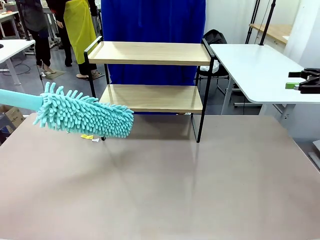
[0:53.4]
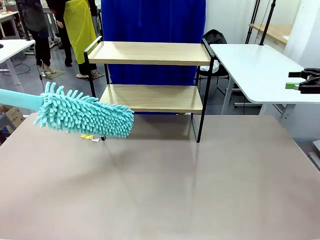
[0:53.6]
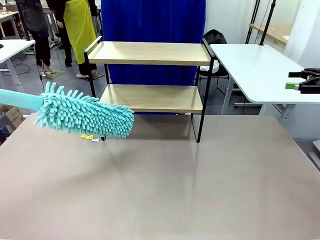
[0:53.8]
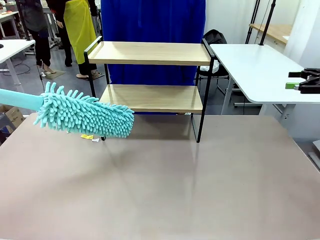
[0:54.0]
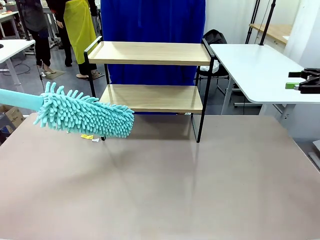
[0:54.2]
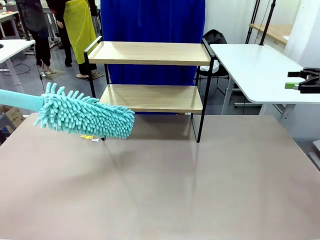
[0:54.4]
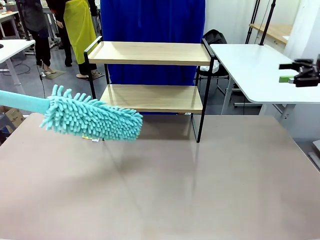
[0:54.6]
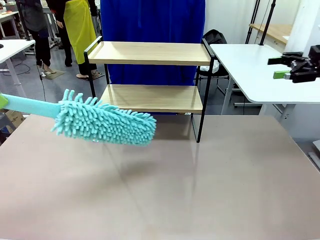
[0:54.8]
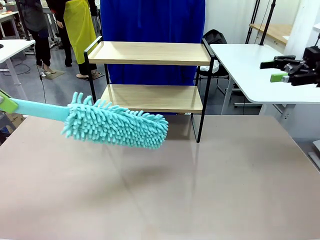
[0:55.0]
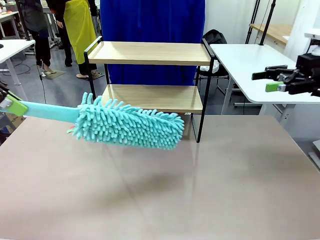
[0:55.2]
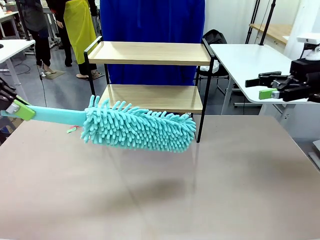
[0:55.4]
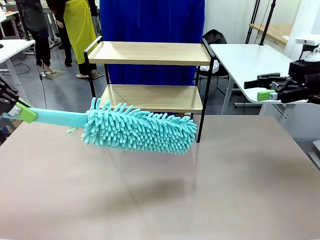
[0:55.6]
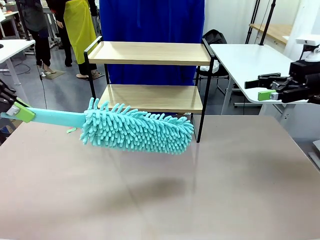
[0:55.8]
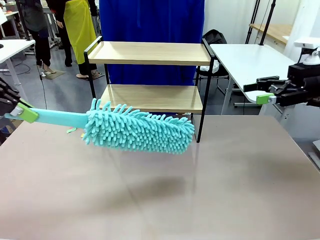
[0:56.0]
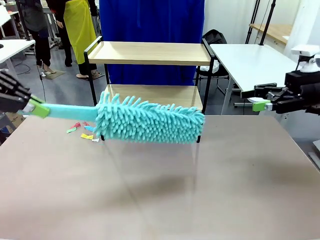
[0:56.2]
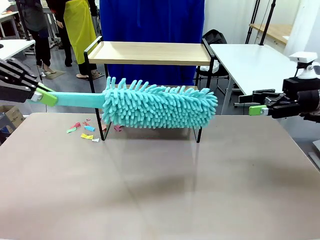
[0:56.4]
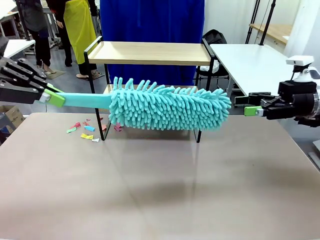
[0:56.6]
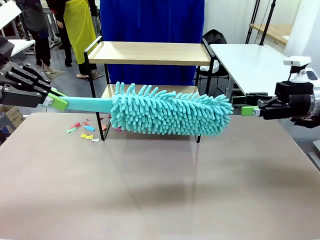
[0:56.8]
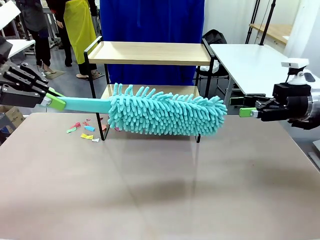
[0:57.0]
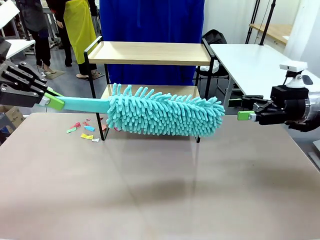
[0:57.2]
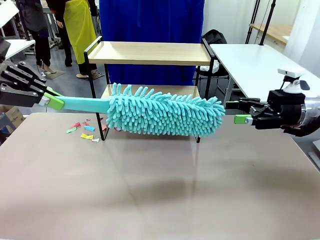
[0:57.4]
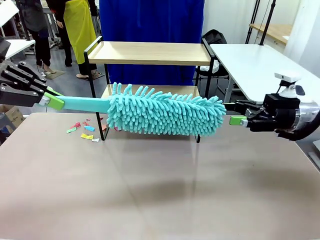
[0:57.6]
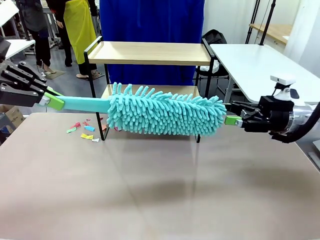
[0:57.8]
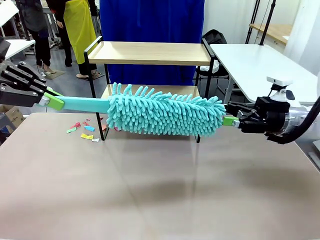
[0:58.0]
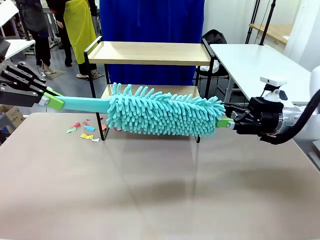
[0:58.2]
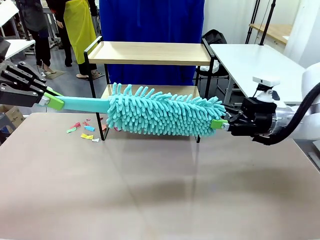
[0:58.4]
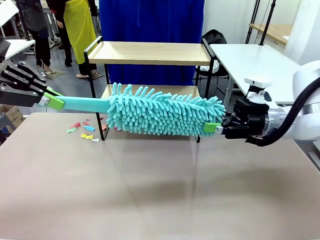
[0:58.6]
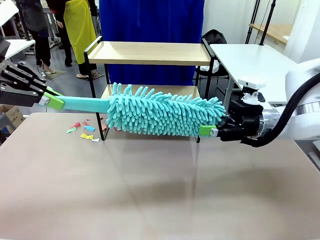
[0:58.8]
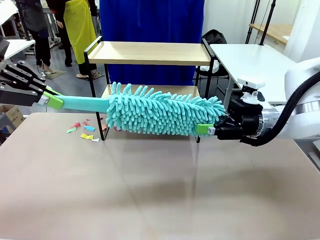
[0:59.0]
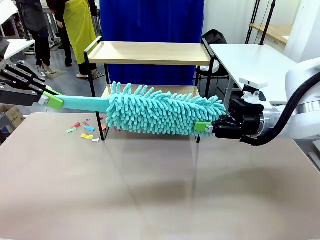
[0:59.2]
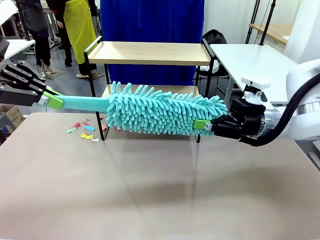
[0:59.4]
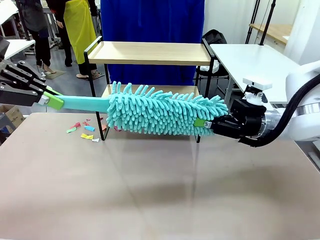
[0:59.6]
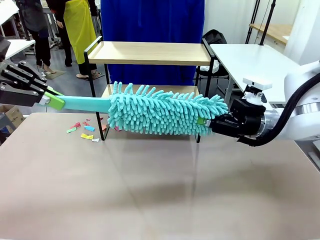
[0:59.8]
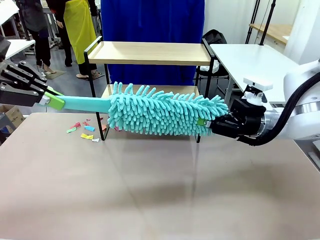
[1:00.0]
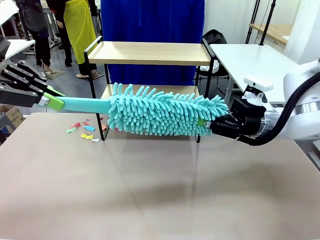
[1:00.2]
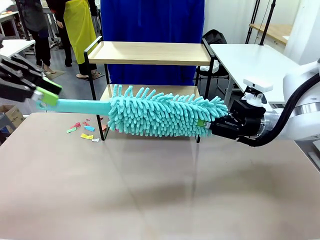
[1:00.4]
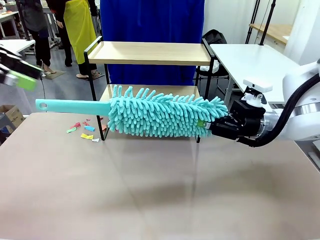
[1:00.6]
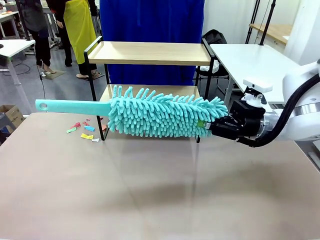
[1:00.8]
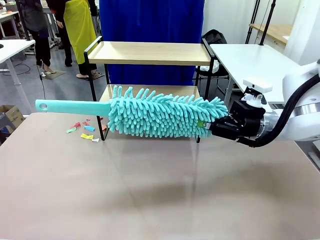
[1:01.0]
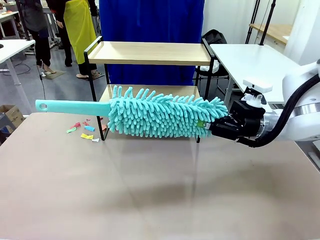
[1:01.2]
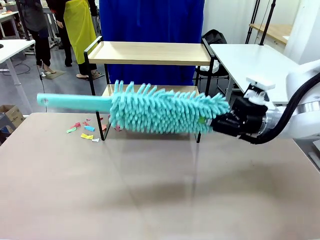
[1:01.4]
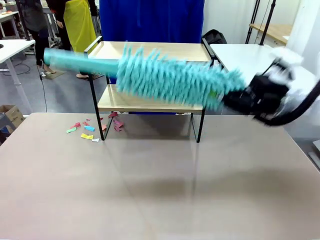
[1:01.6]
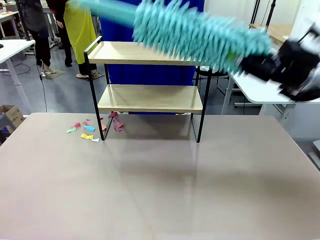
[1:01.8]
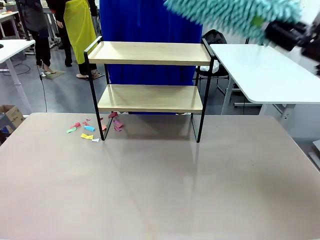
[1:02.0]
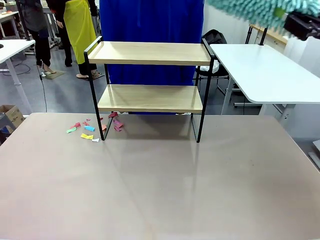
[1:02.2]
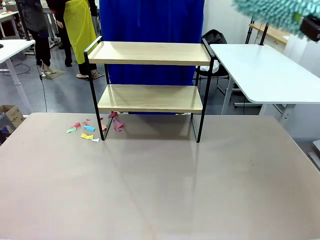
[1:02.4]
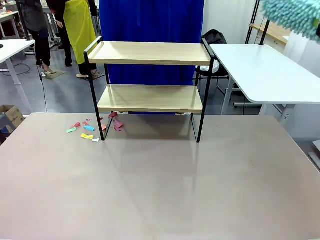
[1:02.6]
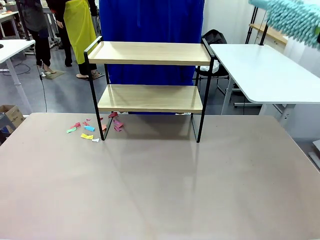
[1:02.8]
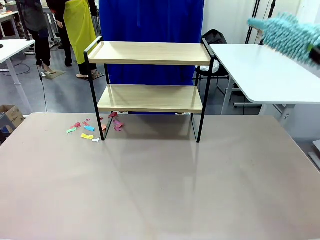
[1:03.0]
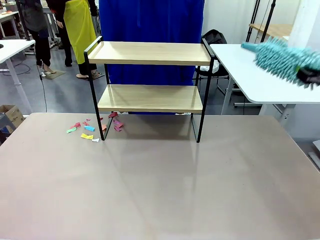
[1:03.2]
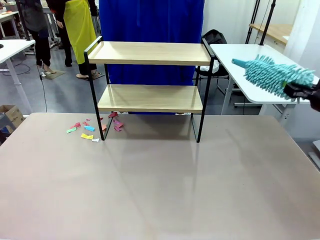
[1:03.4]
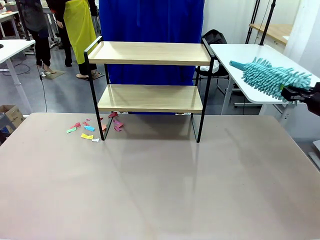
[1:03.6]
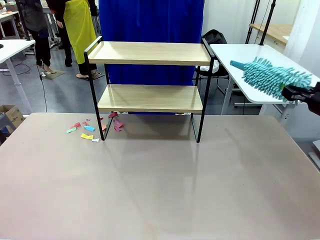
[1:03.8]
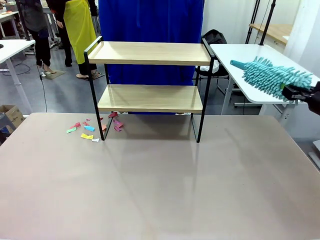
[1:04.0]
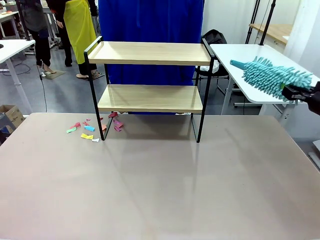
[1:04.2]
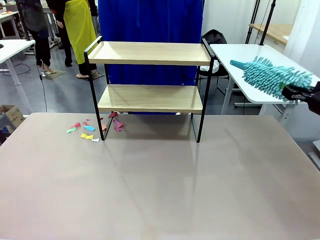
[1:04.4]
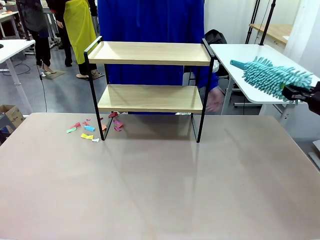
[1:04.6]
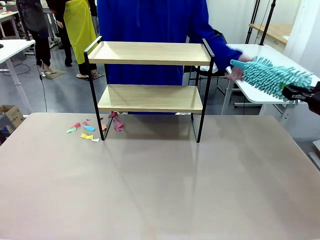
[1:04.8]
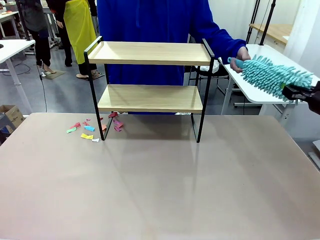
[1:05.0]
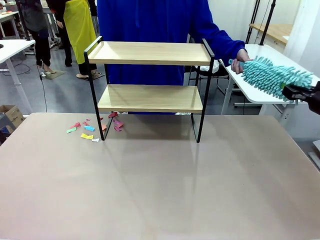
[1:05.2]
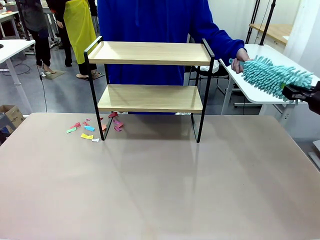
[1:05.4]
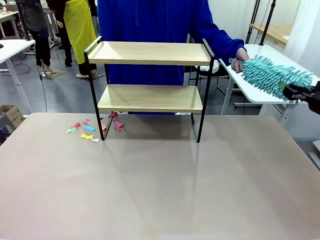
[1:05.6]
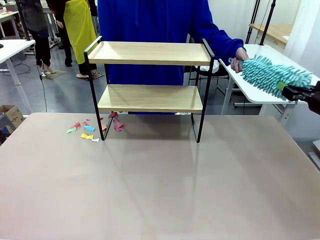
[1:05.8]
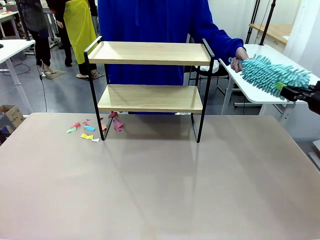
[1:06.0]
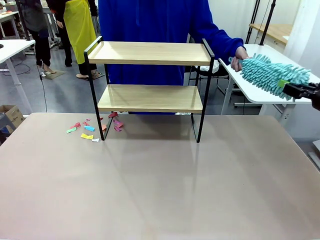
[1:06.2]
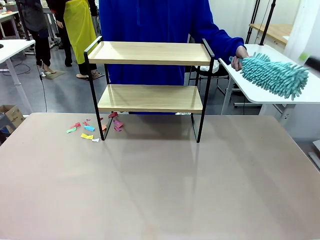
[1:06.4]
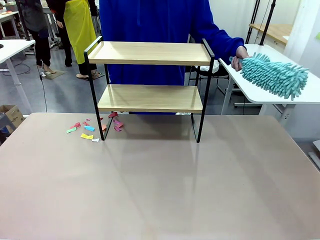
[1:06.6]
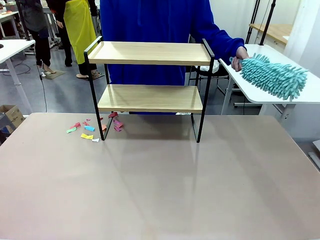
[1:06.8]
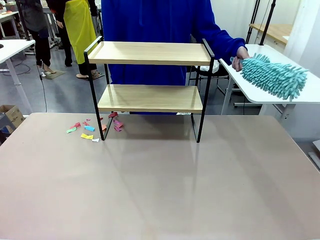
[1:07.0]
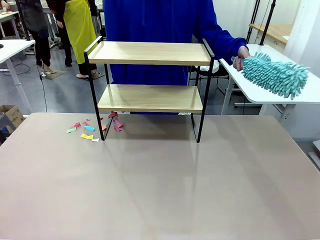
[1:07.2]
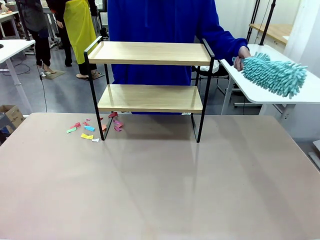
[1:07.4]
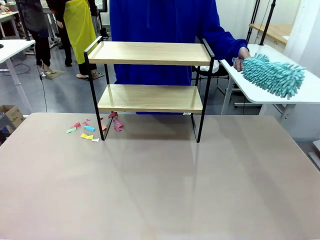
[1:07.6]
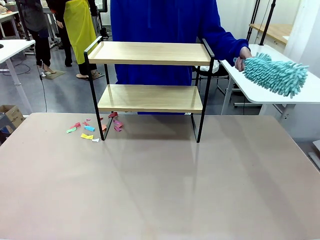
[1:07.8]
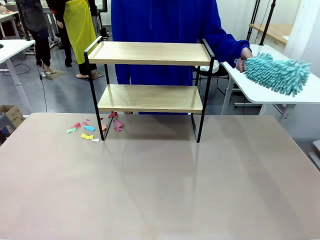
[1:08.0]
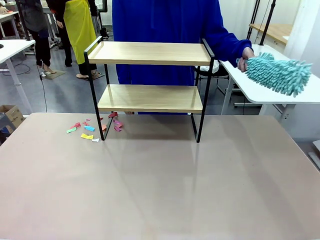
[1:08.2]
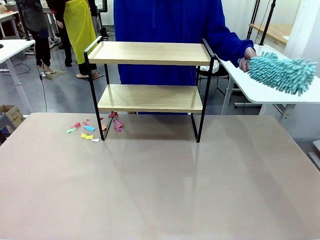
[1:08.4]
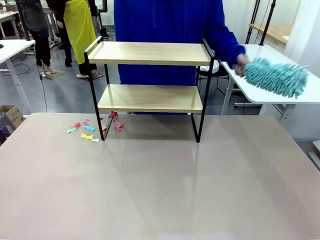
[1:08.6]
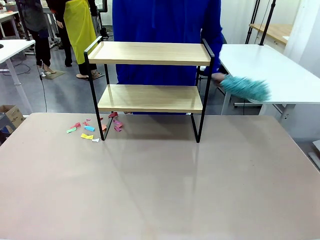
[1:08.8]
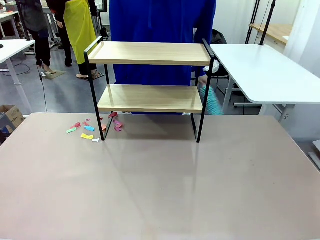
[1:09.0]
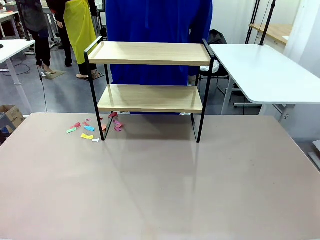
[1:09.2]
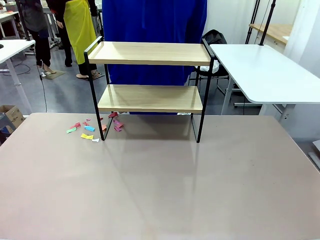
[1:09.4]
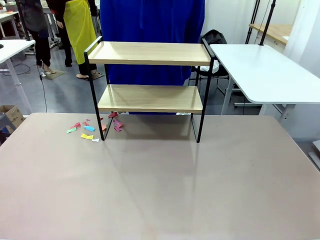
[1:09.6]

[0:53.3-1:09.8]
Task: Clean the shelf.
Robot: Hand the Duster back to the human.
Person: Receive the Duster from the robot.

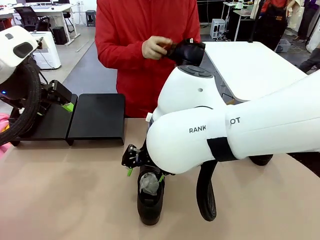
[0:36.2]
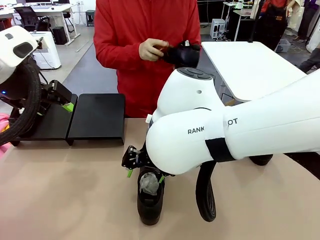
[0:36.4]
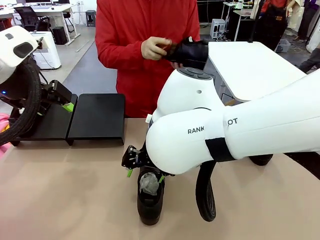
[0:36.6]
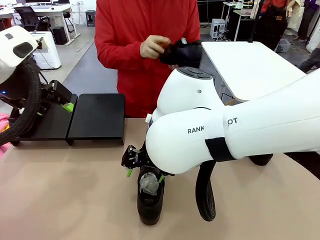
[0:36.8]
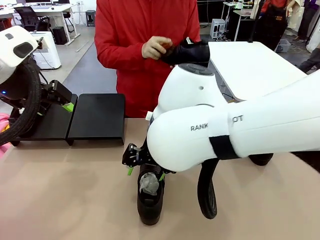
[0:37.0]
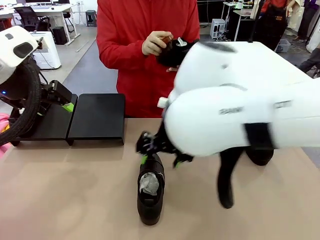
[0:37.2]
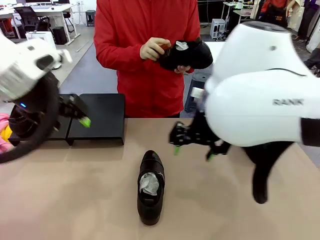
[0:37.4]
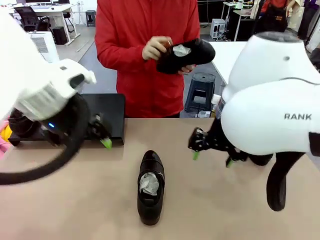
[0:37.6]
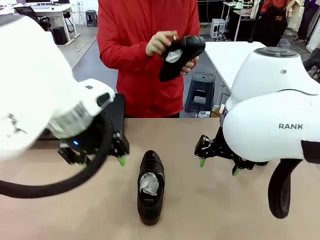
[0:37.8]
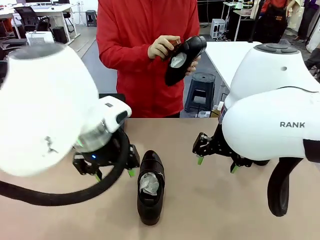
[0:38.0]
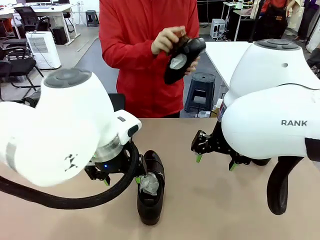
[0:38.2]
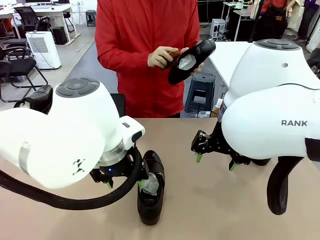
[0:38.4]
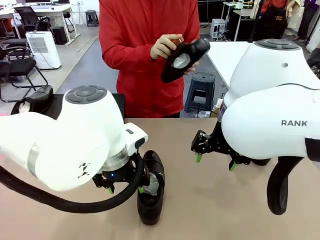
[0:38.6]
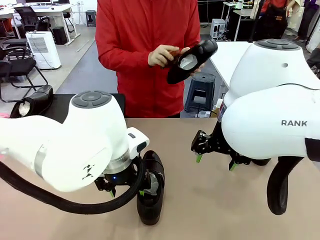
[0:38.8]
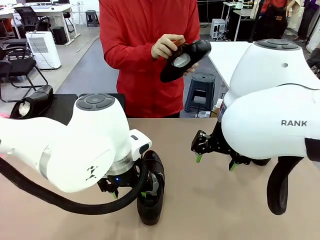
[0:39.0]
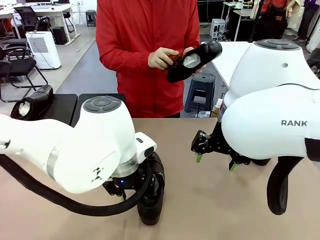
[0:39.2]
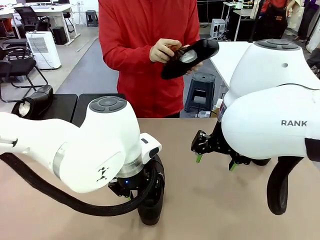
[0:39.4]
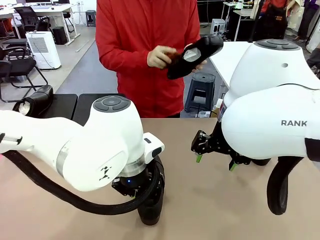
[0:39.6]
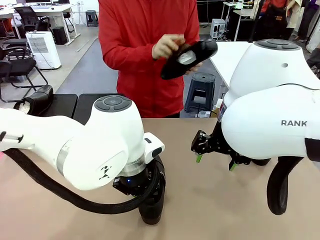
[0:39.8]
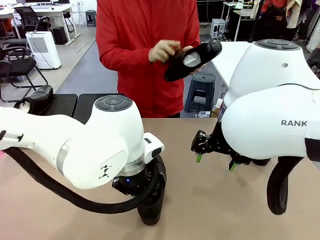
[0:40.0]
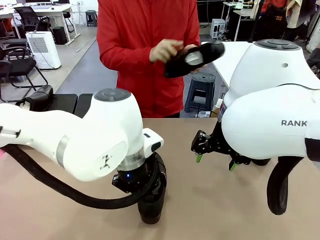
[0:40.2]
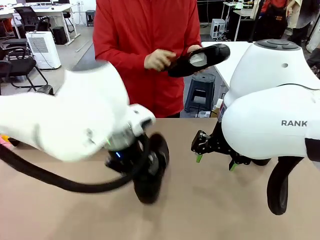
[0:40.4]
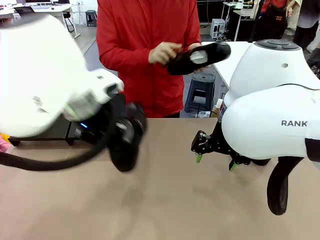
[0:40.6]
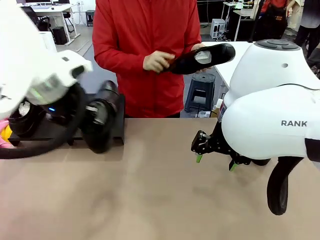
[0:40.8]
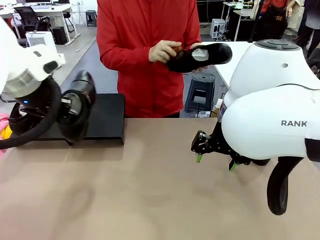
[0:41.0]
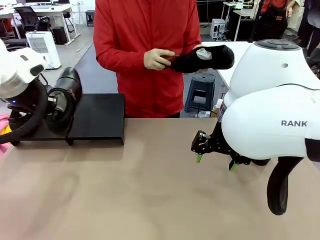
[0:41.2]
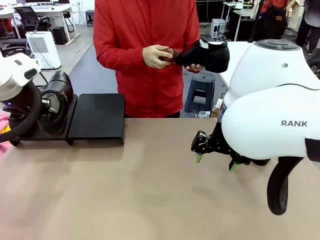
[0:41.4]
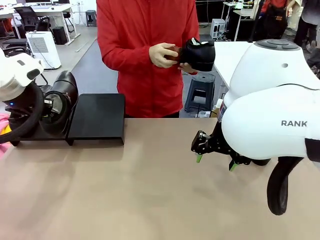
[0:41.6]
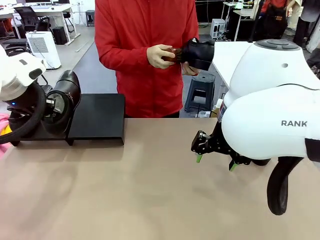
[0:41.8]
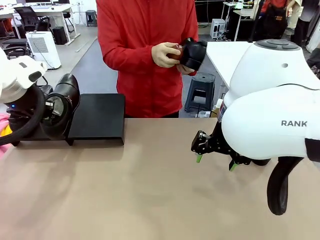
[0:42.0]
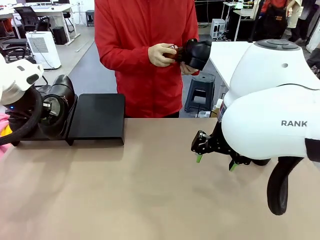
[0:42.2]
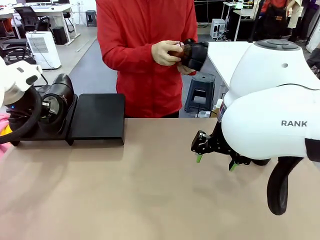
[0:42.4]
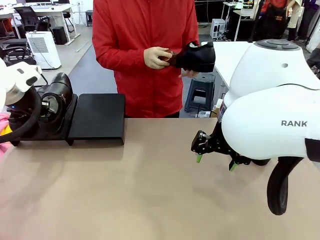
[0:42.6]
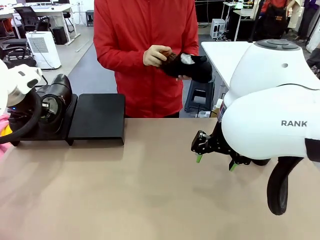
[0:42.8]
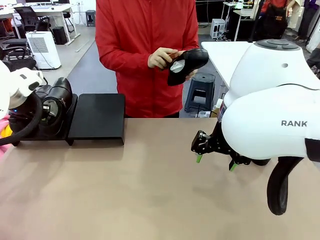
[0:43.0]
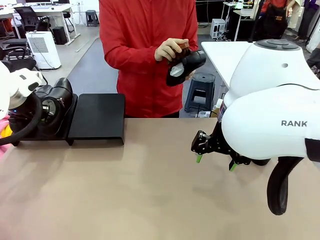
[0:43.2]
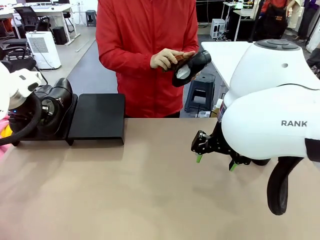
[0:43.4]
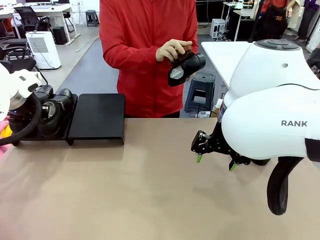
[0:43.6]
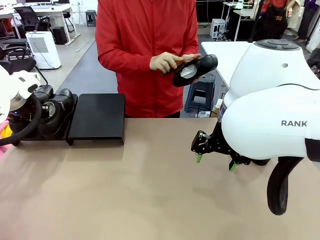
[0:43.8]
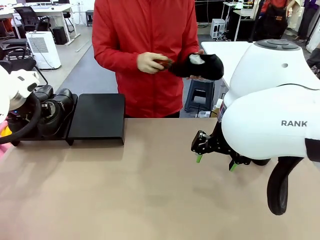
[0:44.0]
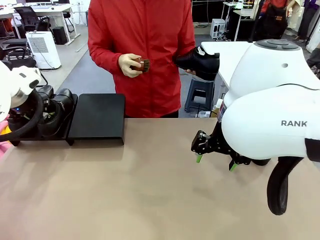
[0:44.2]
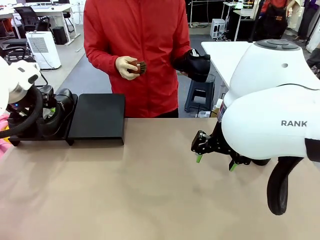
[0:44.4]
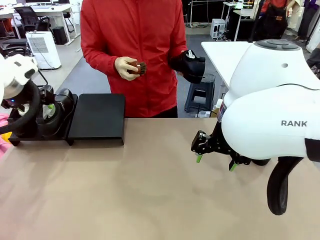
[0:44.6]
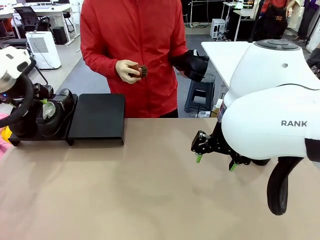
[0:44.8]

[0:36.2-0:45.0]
Task: Organize the shoes by placing them on the stand.
Robot: Place the Shoe from the middle of the table onto the Shoes Stand.
Person: Clean the Shoe with the Shoe Brush.
